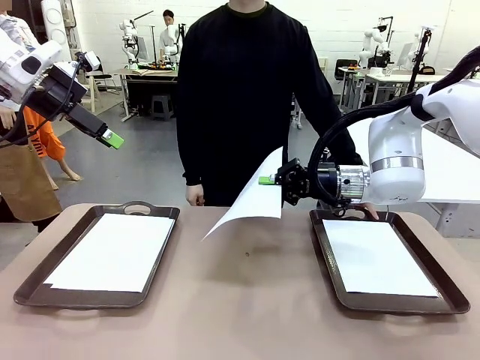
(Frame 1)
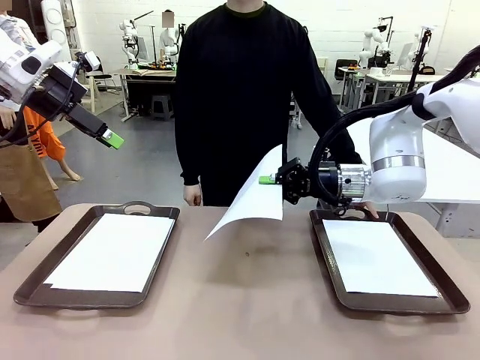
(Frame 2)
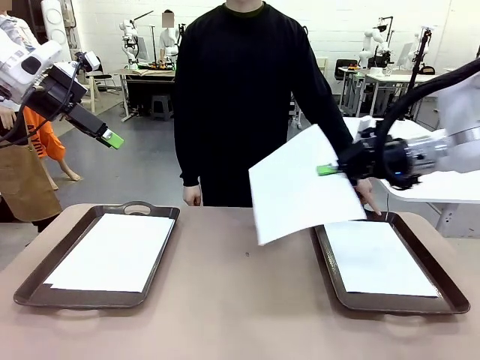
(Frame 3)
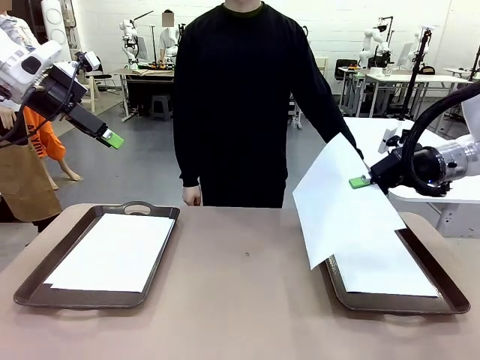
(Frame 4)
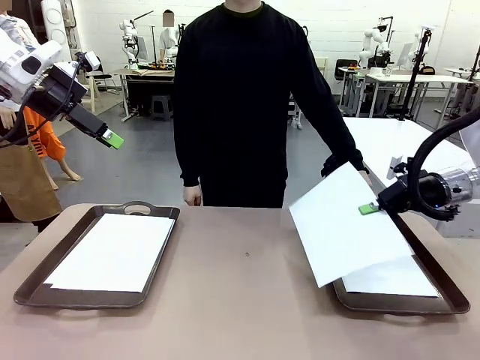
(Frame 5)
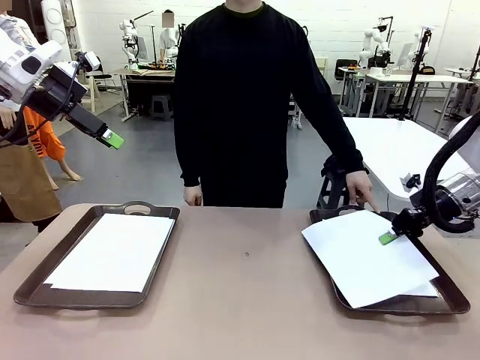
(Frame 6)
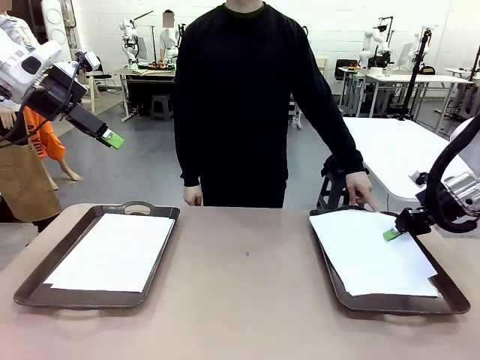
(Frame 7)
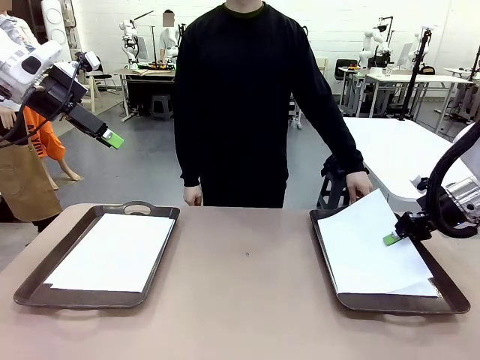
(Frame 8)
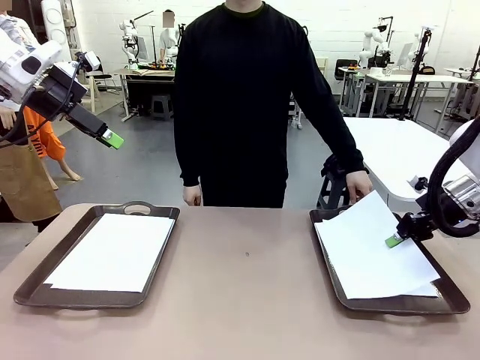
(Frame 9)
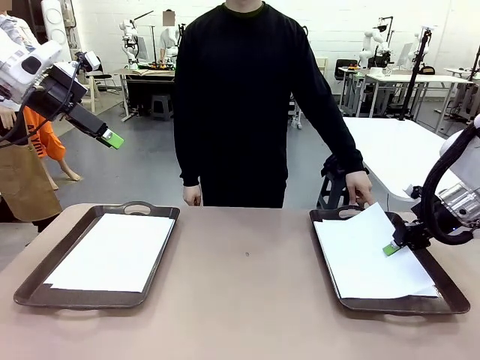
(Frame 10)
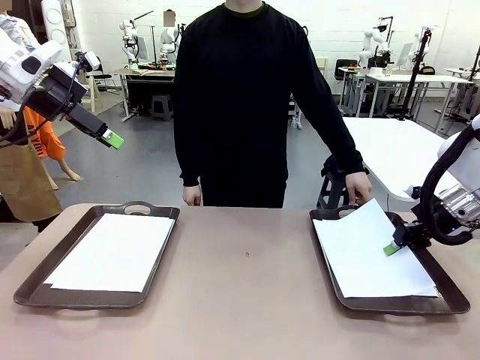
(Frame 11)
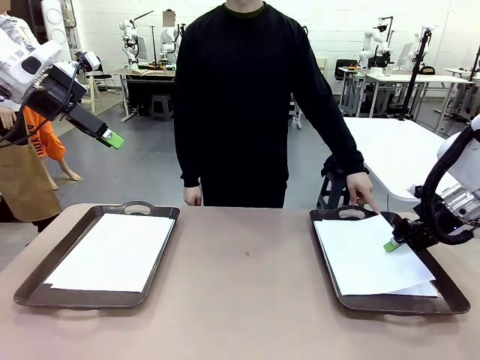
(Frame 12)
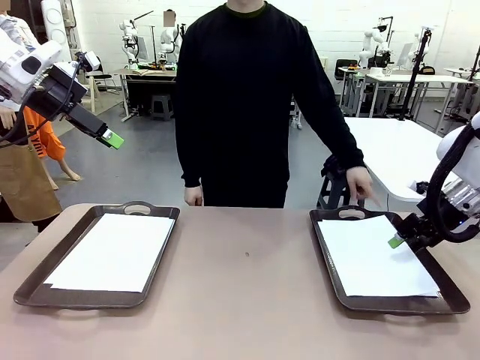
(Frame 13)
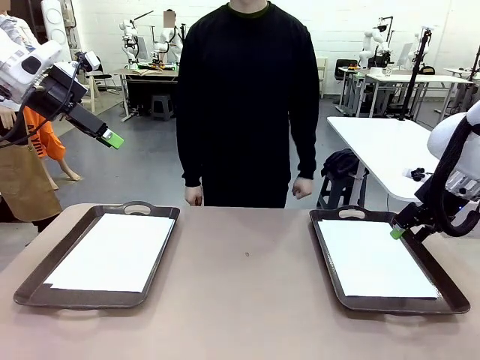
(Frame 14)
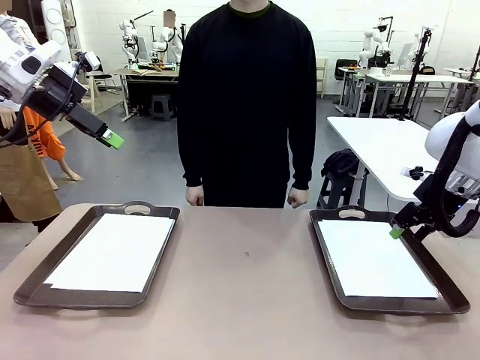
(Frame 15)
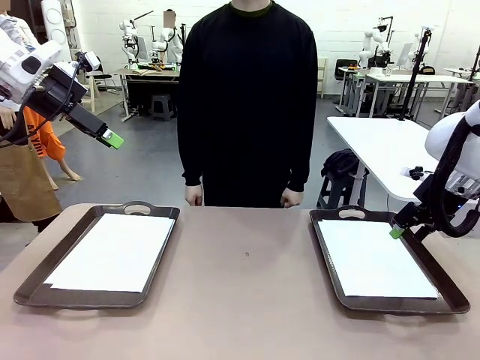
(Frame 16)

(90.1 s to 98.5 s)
Task: Sort the A4 documents.
Robot: Place the A4 Paper in the designated Handle tray.

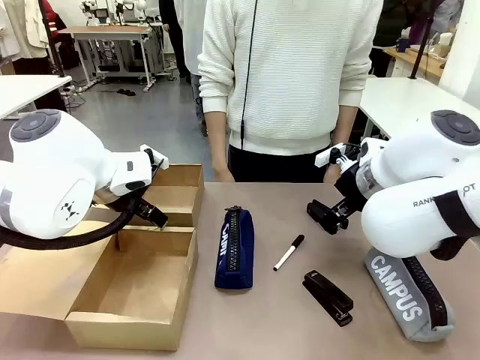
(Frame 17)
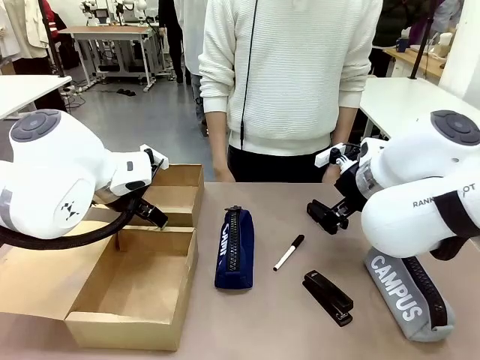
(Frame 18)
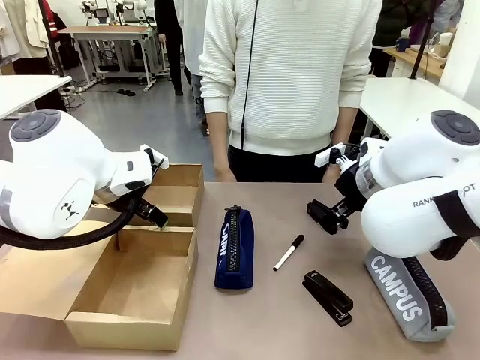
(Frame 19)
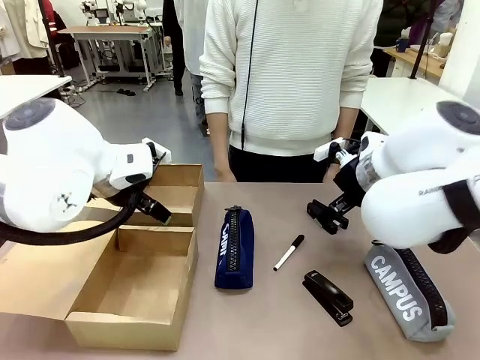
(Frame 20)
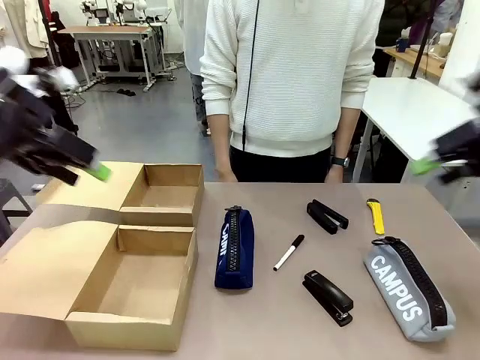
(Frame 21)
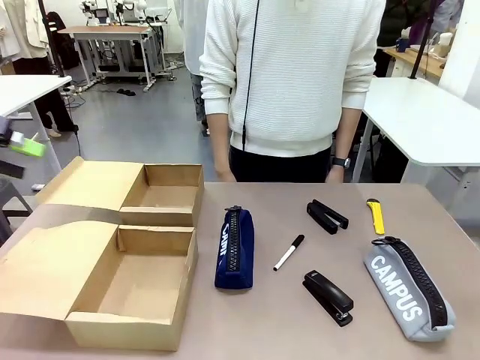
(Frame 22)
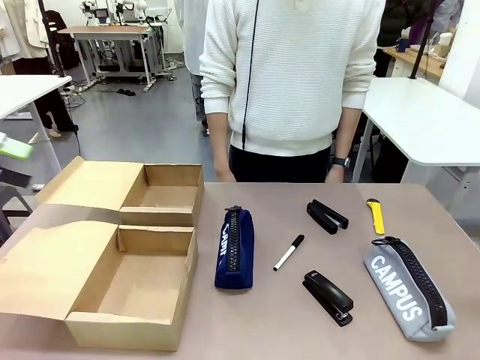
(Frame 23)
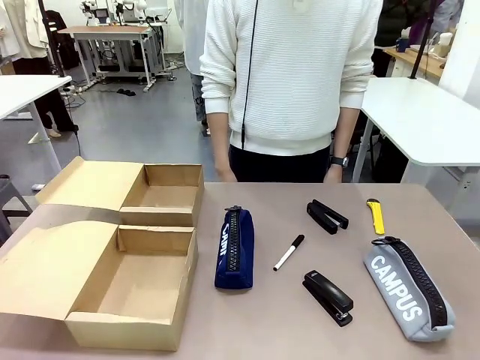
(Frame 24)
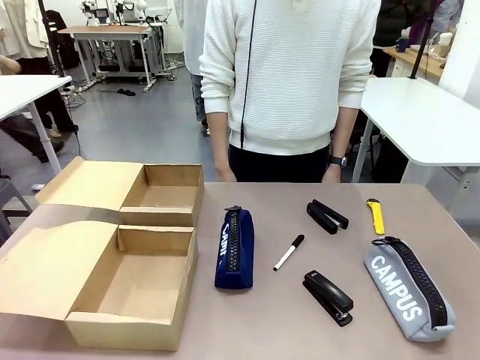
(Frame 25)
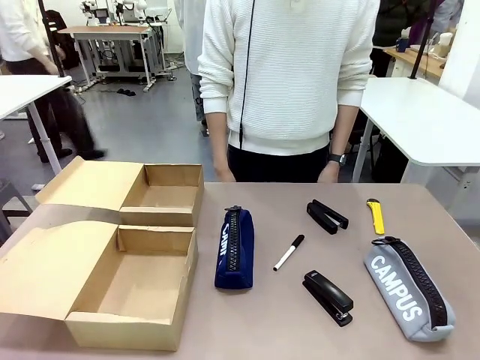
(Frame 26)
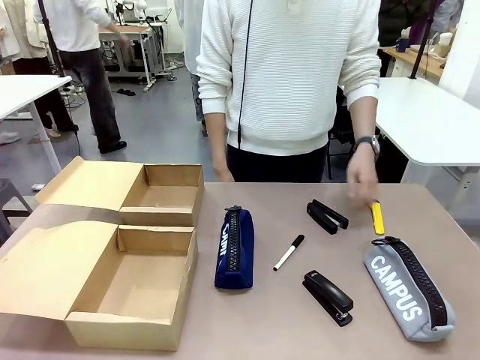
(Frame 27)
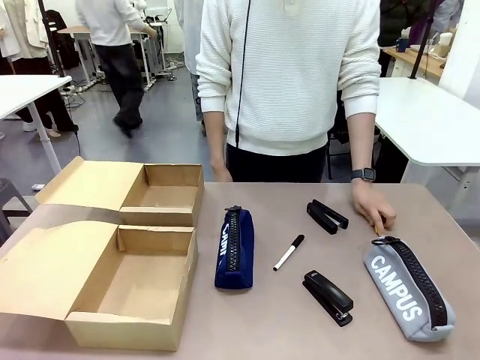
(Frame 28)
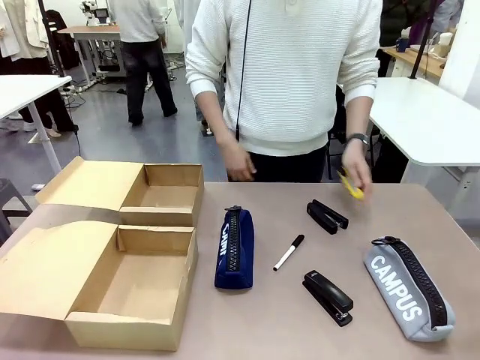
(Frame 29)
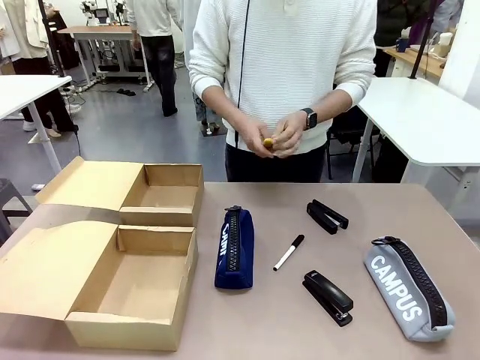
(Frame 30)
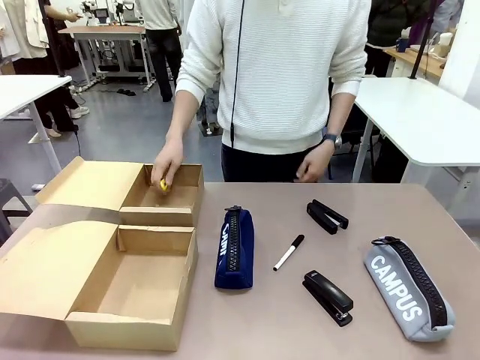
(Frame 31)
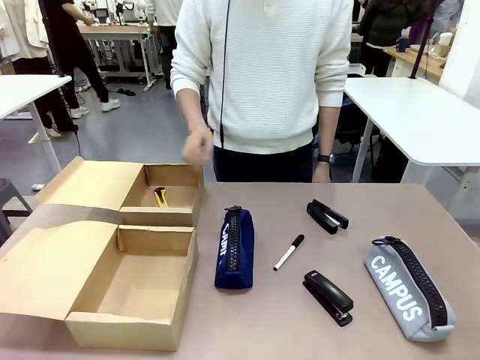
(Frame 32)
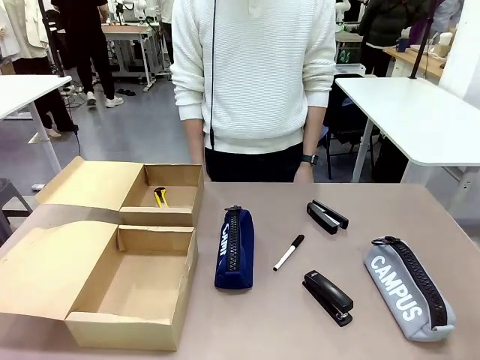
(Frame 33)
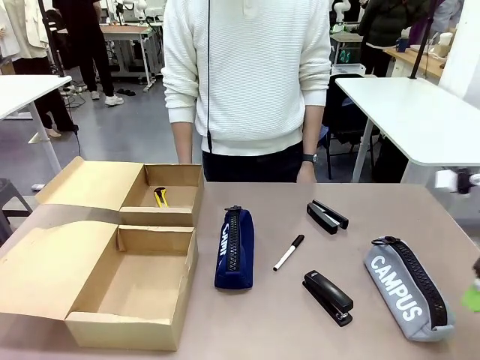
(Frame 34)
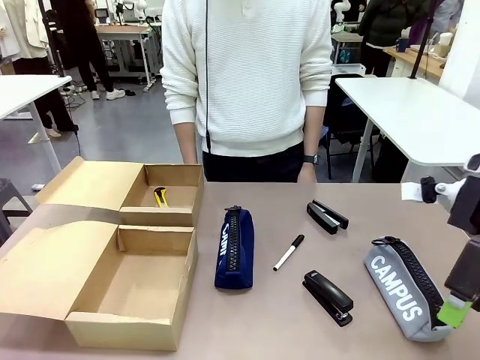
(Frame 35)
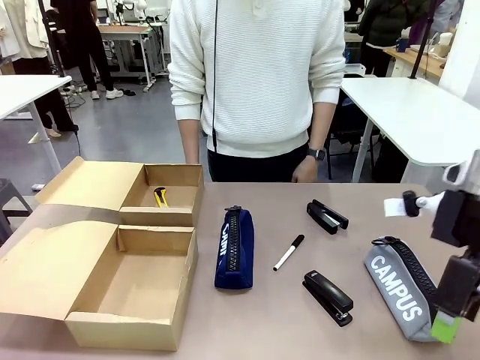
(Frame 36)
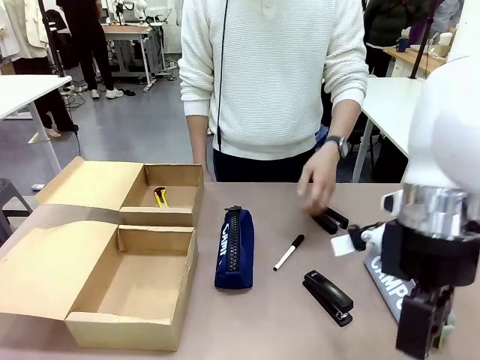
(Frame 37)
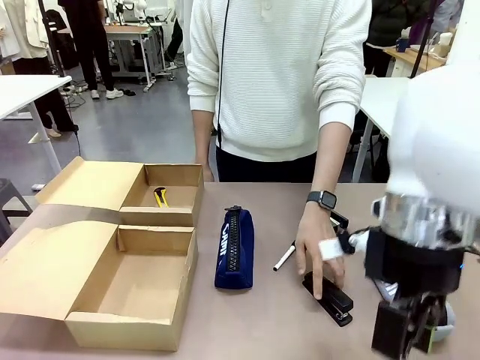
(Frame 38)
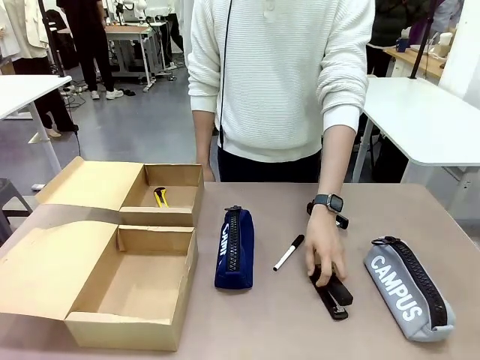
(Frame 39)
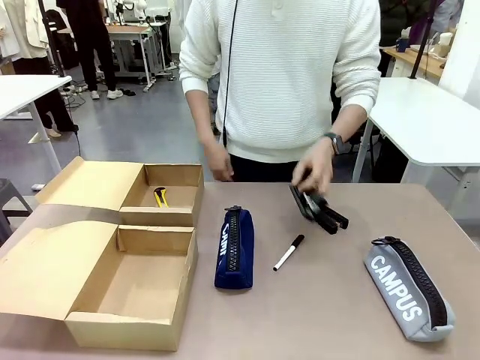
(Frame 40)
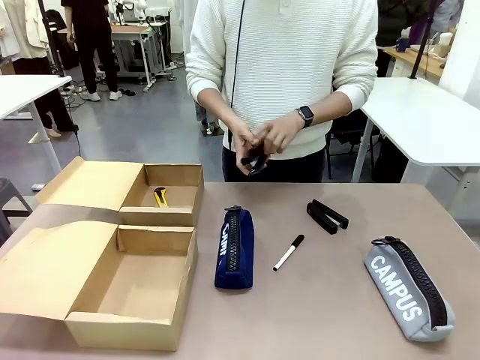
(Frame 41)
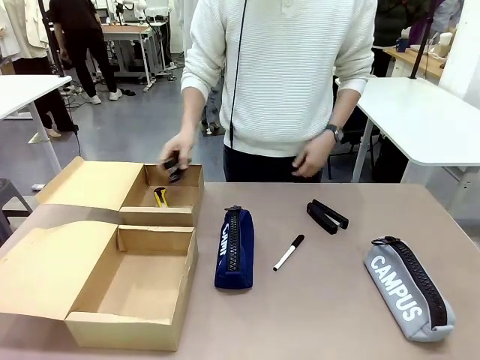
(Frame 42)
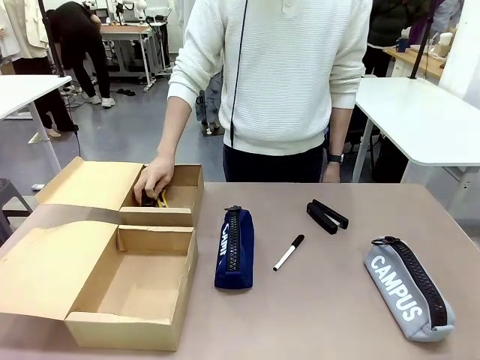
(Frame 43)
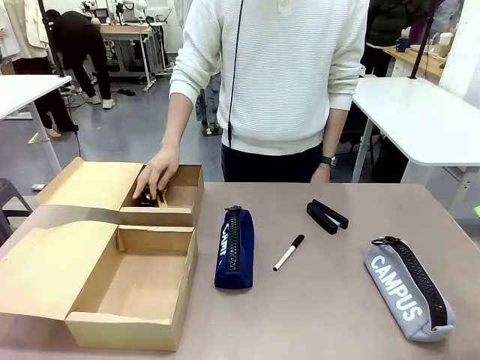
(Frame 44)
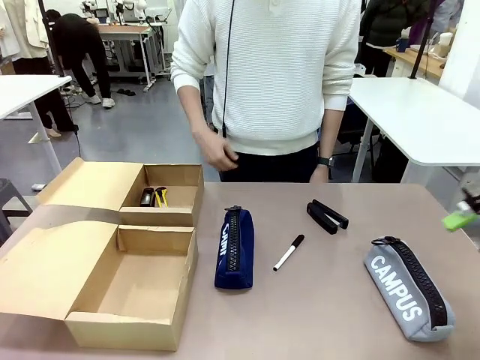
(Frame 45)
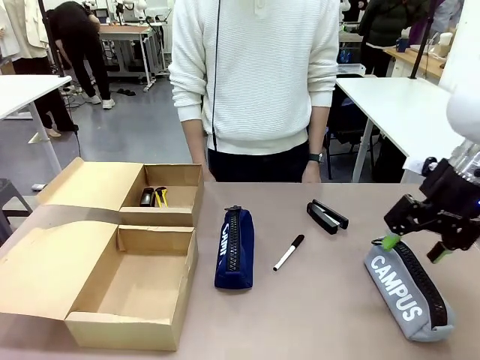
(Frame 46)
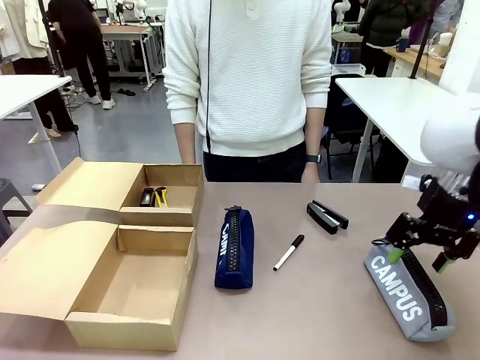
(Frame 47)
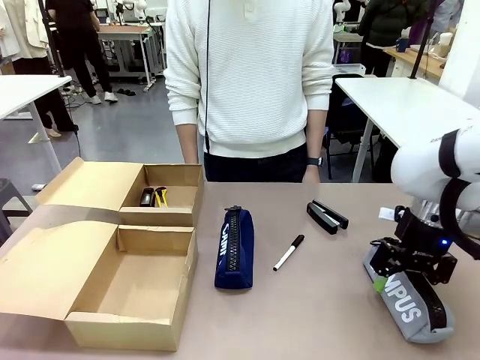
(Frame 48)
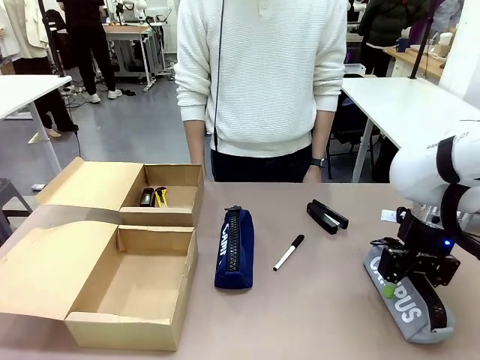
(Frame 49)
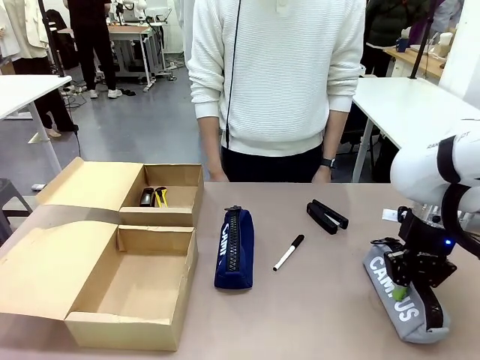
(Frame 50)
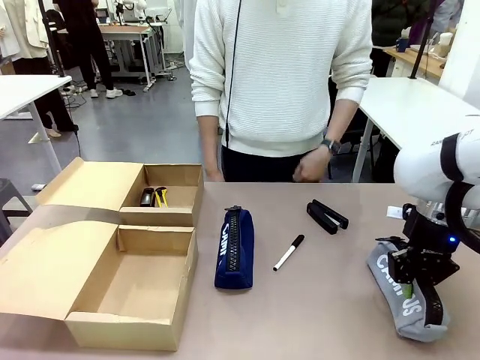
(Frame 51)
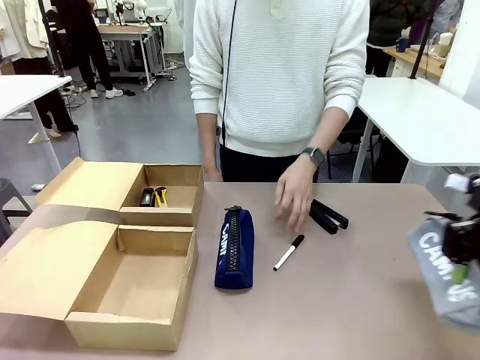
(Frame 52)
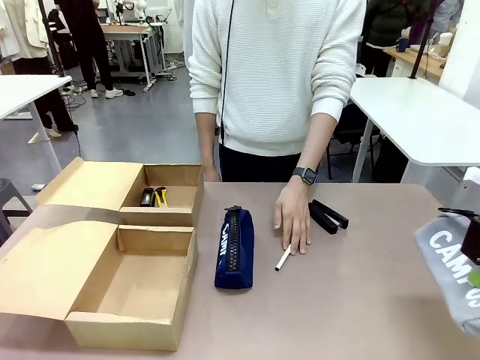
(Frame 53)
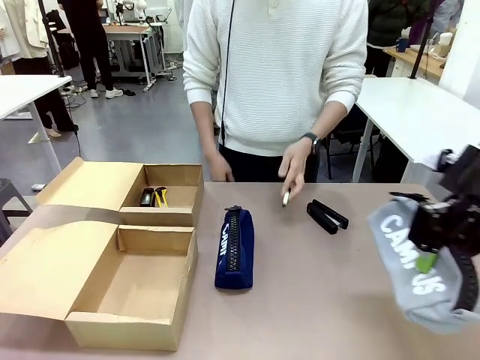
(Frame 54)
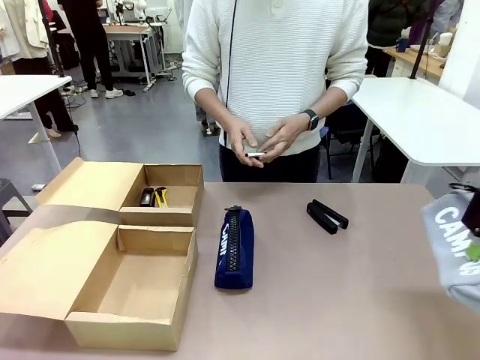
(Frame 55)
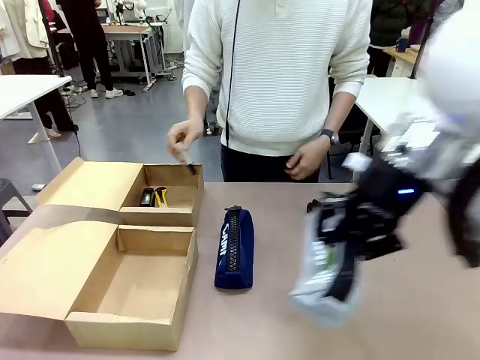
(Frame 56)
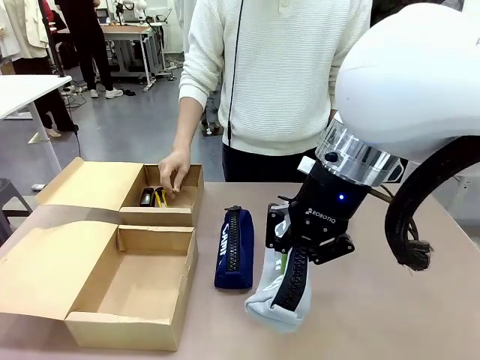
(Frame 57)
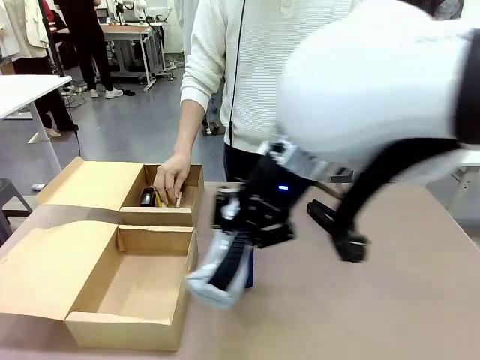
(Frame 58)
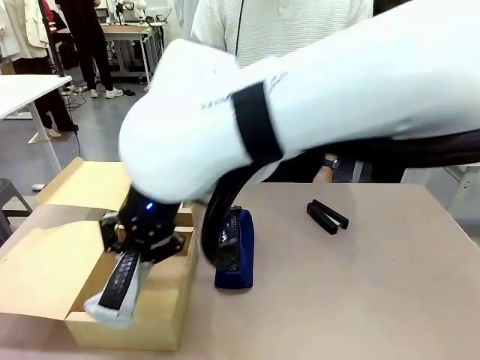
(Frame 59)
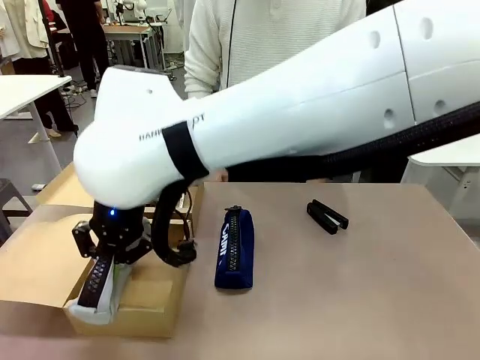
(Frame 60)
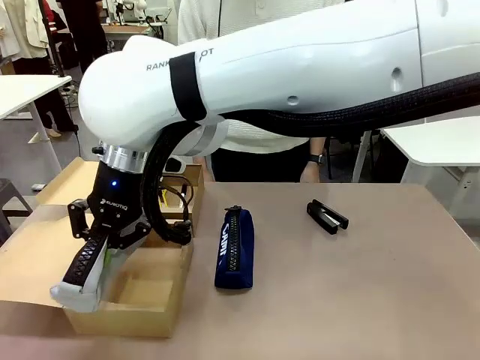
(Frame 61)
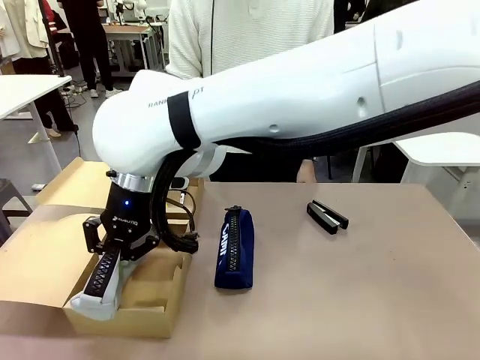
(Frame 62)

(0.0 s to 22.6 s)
Task: Place items inside the box.
Robot: Pick up a Pencil pouch or Stapler and place it inside the Mailer Box closest to the robot.
Person: Pick up an object on the table and put it in the box.
